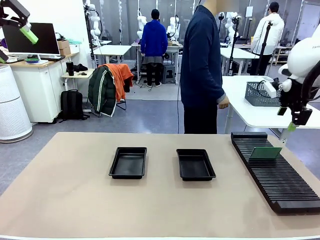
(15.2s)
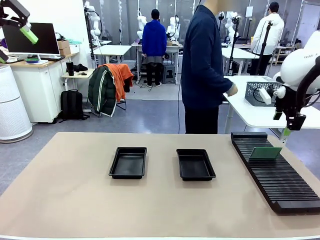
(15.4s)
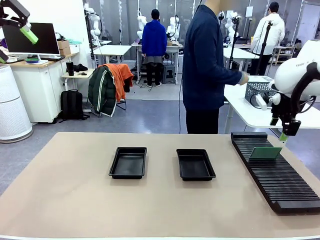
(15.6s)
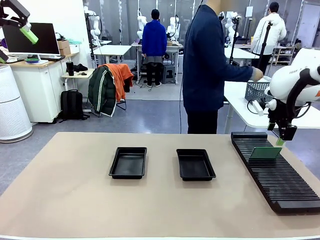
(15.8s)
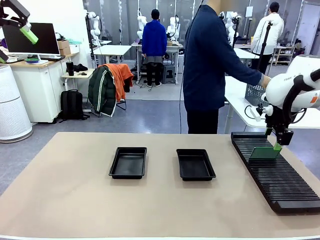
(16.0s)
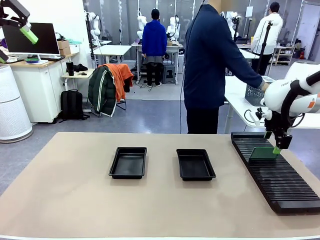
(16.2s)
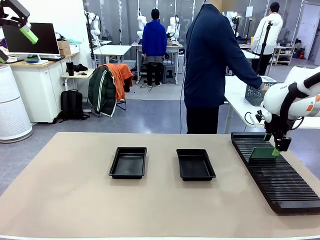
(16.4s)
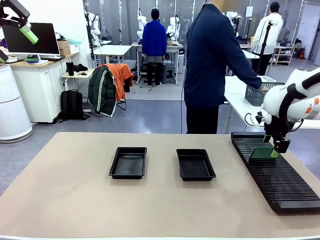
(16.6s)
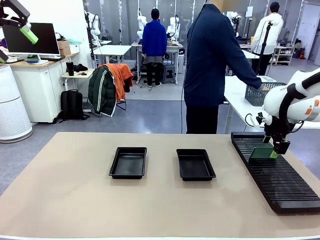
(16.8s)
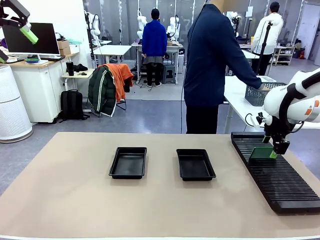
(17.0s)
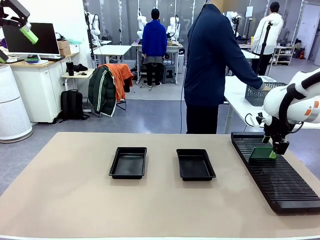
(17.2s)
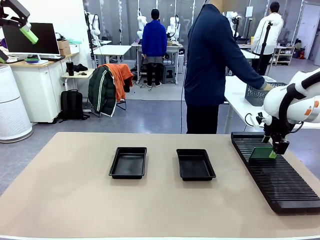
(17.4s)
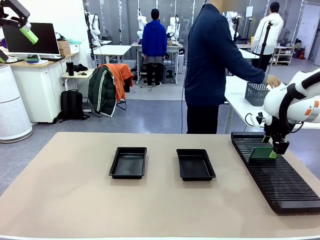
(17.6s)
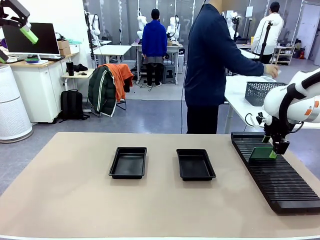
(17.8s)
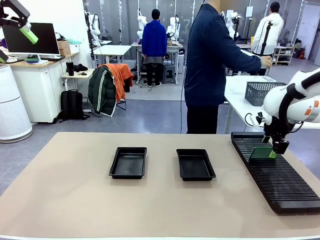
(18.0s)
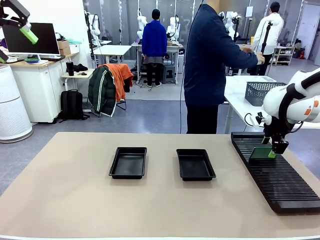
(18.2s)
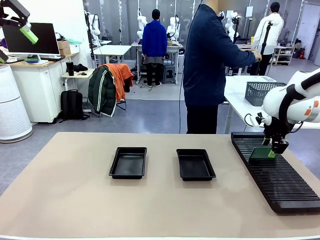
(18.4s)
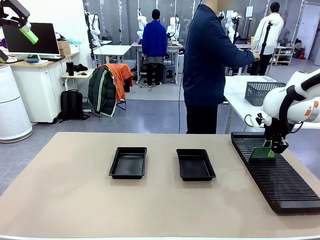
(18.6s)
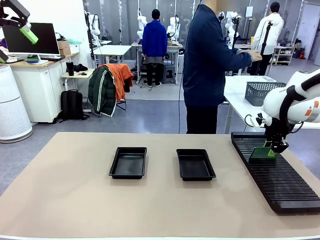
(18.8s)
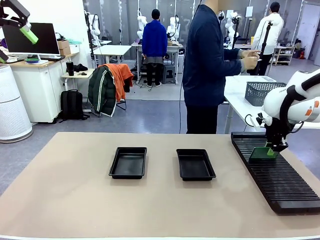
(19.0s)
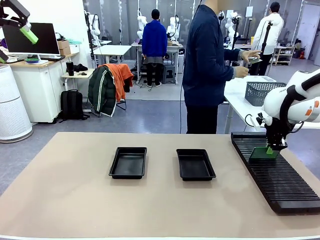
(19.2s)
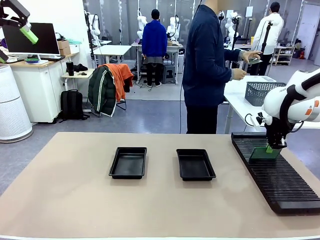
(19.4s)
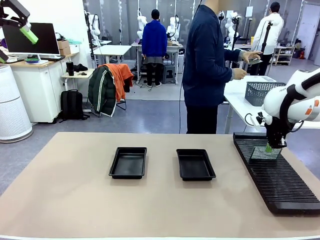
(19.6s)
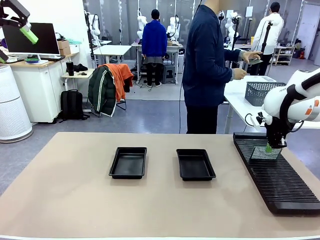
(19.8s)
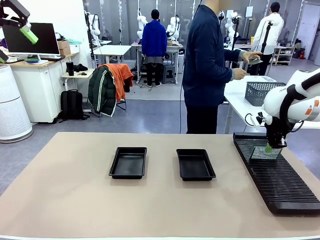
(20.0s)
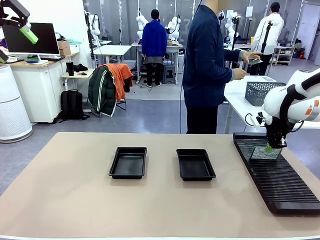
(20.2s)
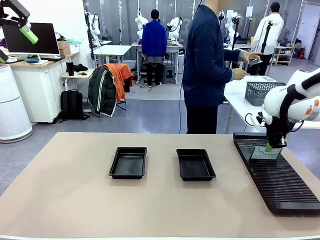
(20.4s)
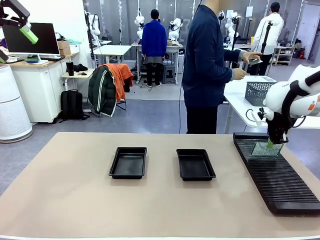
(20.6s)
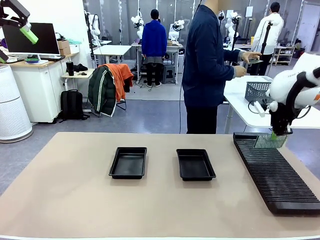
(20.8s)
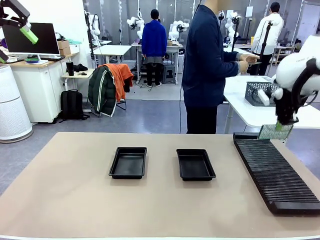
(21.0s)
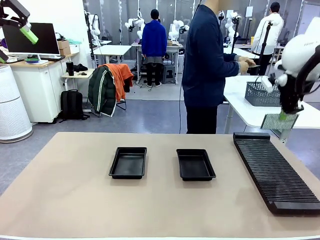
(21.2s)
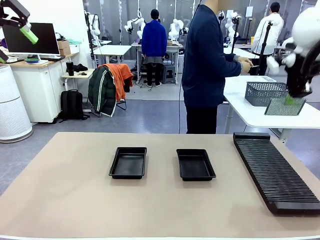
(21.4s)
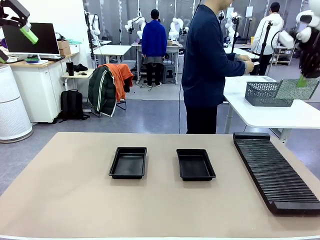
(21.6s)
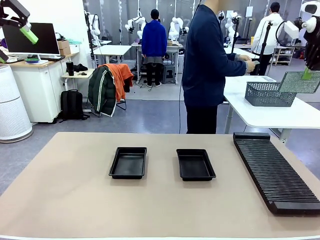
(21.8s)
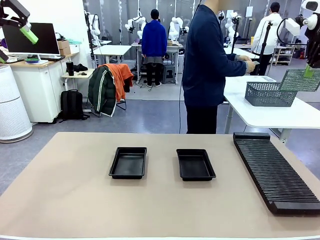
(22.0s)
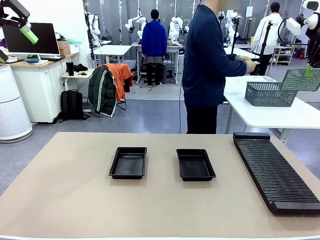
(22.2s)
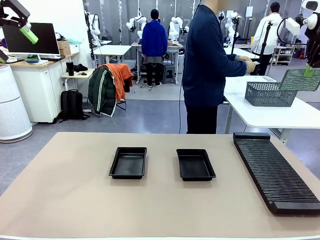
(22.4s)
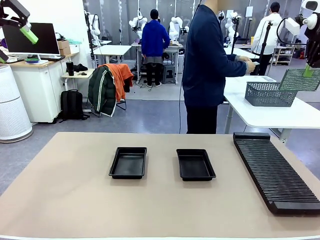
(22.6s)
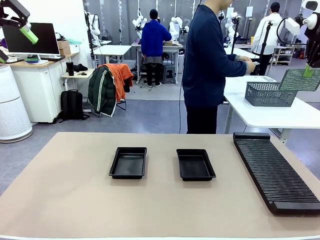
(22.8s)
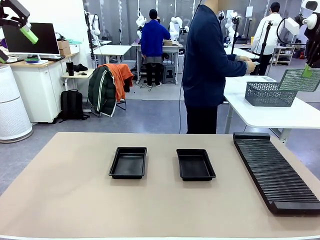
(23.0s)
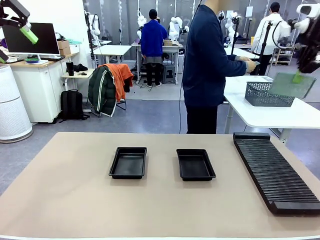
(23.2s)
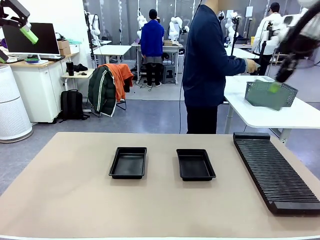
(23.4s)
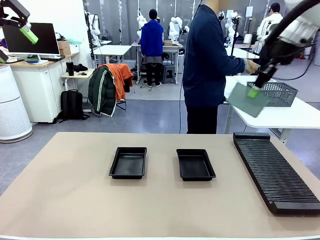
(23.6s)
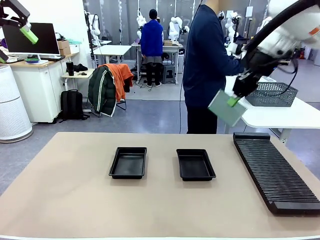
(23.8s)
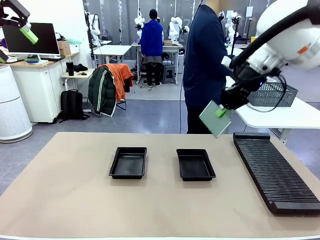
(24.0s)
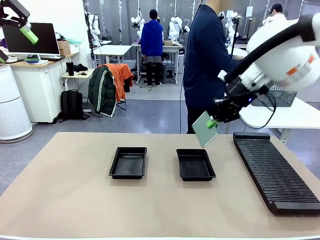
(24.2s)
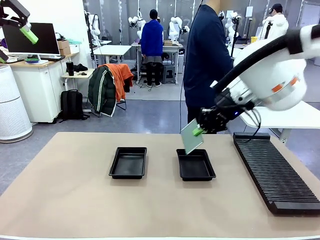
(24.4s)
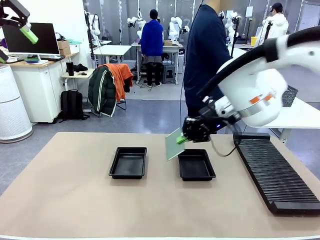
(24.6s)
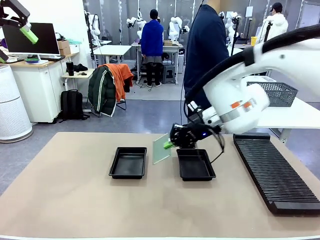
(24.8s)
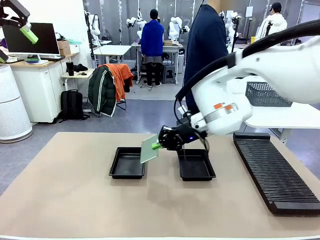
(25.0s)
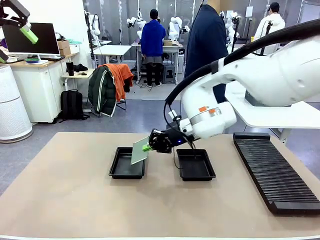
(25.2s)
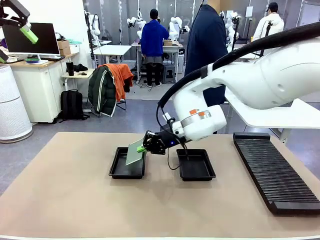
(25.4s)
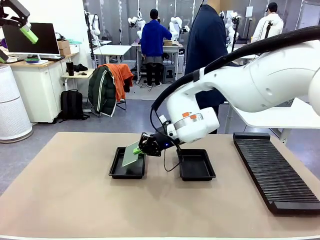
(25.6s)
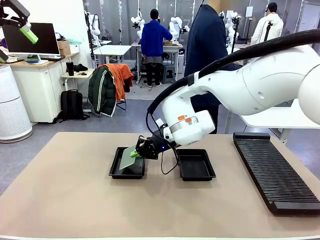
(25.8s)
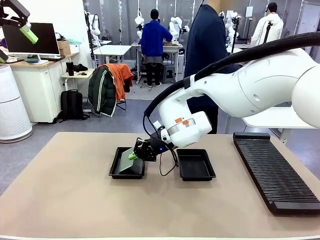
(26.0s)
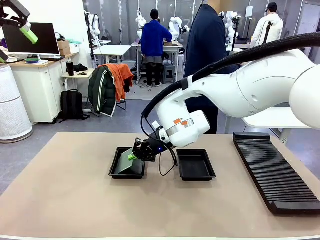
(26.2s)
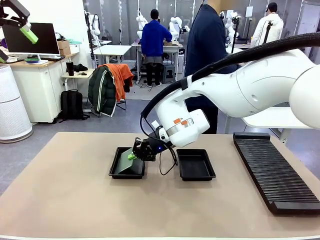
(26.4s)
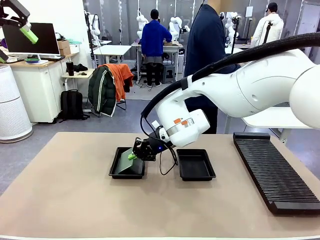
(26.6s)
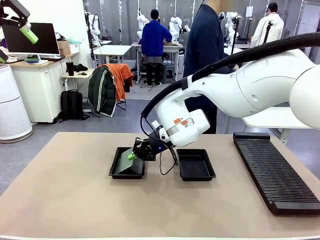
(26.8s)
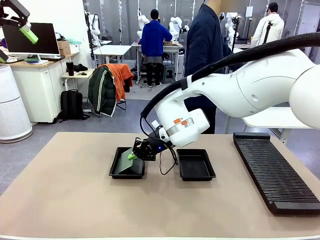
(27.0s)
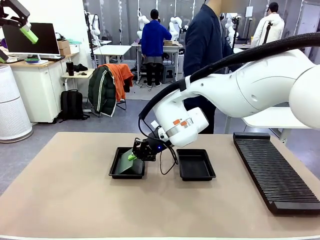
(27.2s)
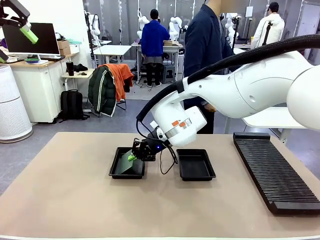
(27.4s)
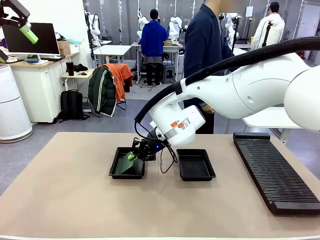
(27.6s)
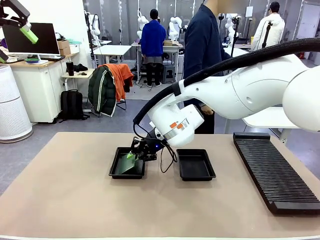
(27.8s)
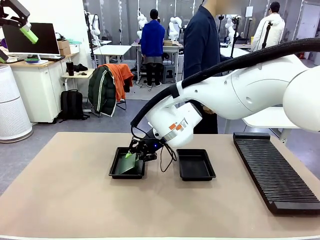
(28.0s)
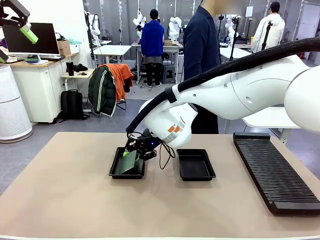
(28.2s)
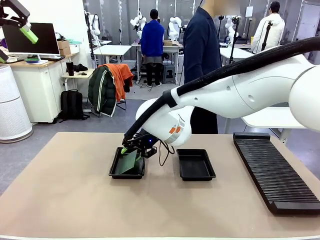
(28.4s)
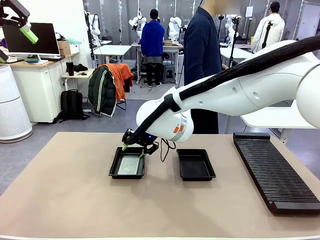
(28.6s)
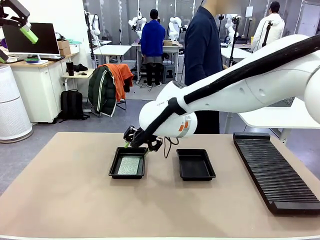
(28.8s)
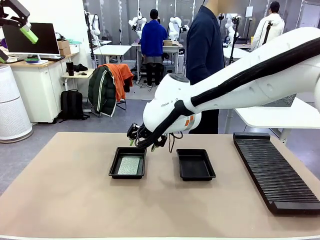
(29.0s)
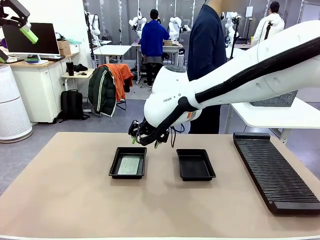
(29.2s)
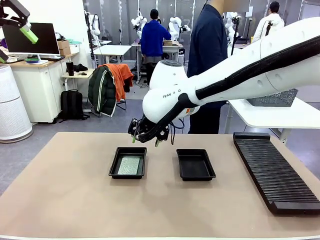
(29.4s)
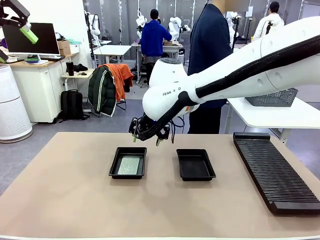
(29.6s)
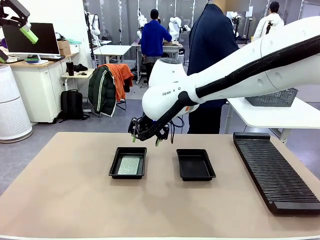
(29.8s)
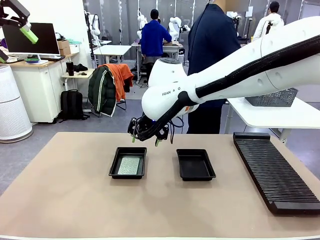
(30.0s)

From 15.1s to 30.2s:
Task: Inspect and transfer BCBs to ESD trays.
Robot: Pick up the Blank PCB from the PCB Rack and place it in the left ESD tray.

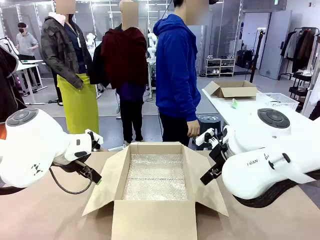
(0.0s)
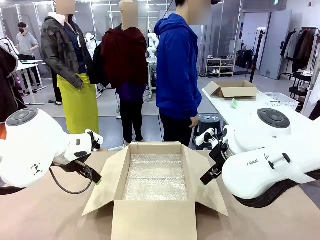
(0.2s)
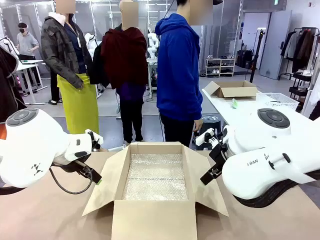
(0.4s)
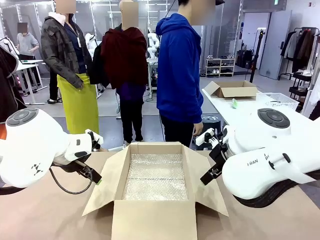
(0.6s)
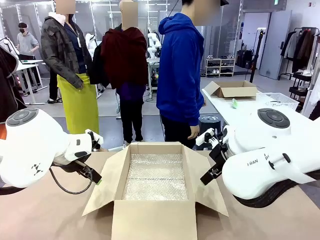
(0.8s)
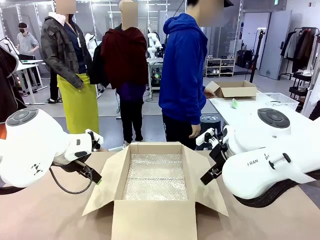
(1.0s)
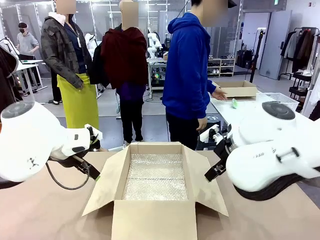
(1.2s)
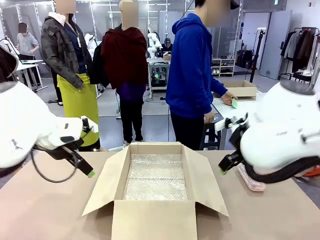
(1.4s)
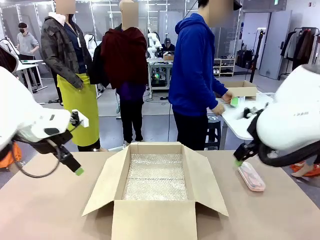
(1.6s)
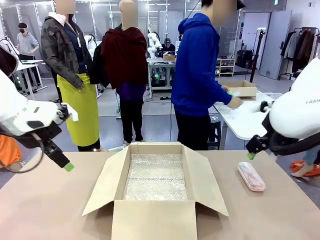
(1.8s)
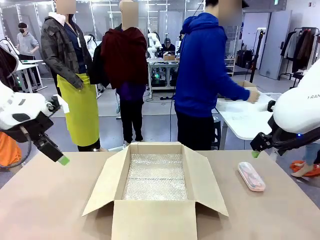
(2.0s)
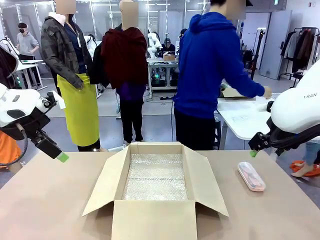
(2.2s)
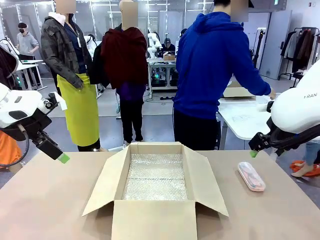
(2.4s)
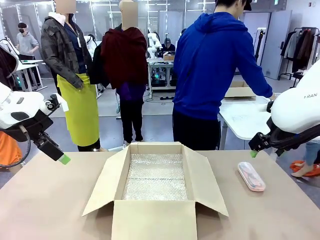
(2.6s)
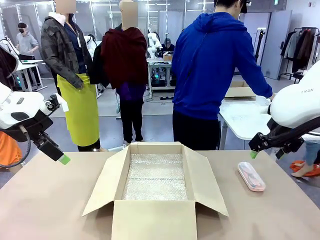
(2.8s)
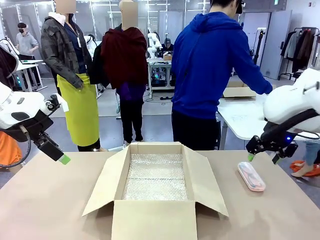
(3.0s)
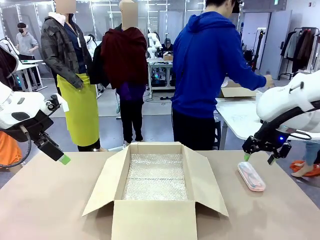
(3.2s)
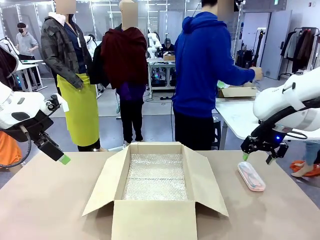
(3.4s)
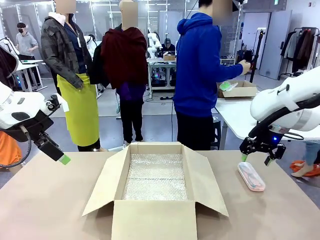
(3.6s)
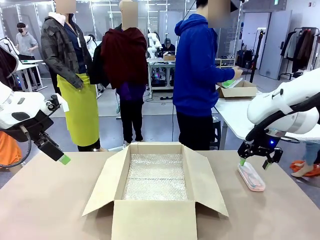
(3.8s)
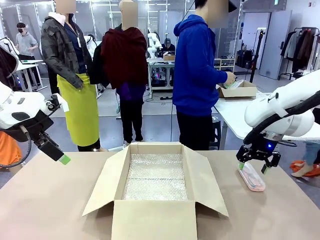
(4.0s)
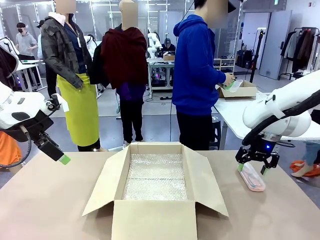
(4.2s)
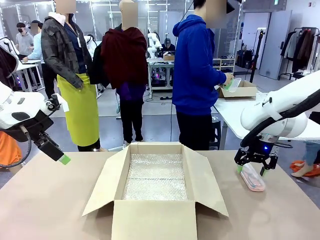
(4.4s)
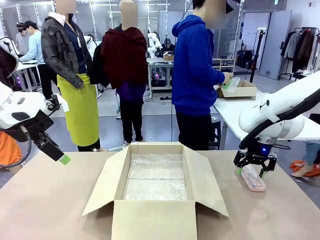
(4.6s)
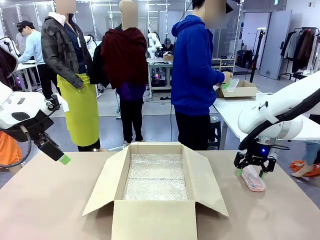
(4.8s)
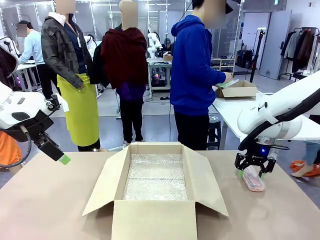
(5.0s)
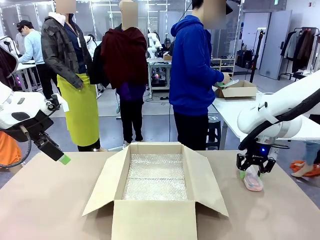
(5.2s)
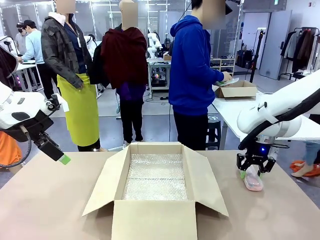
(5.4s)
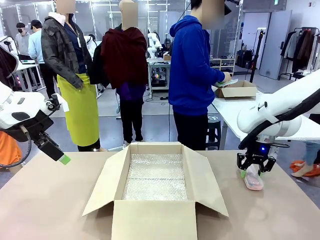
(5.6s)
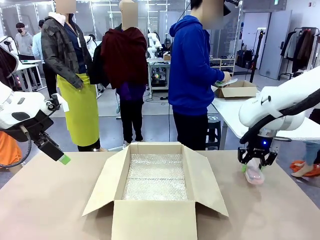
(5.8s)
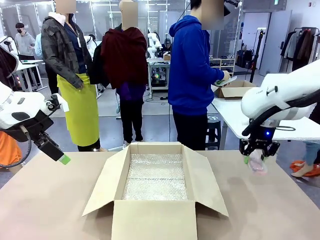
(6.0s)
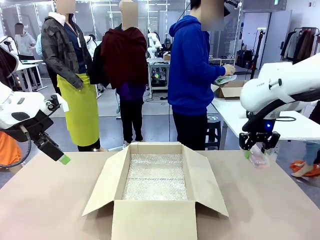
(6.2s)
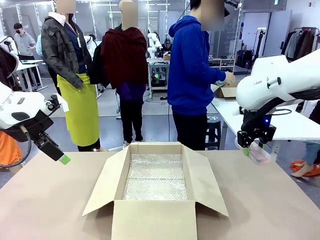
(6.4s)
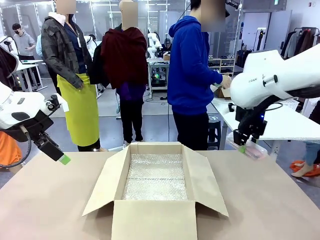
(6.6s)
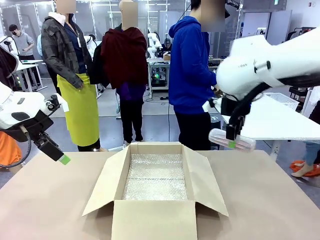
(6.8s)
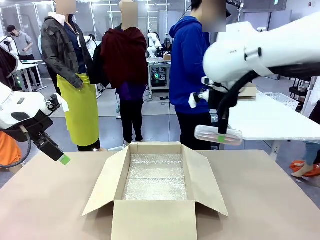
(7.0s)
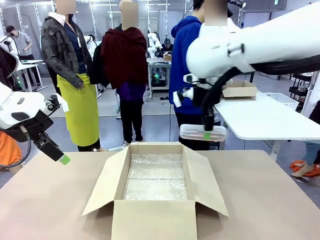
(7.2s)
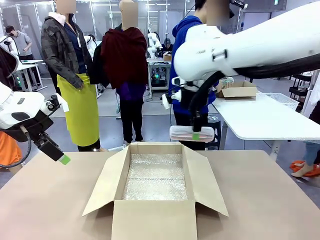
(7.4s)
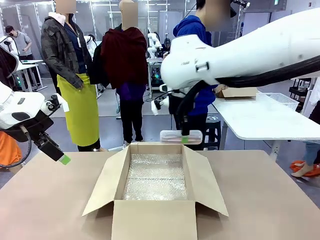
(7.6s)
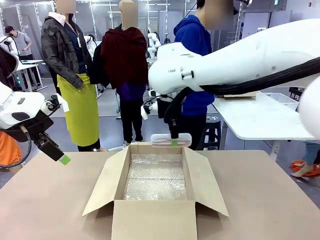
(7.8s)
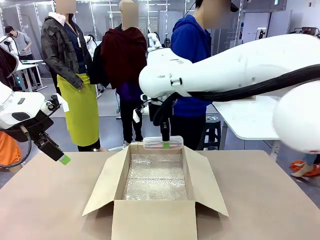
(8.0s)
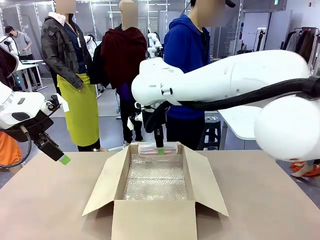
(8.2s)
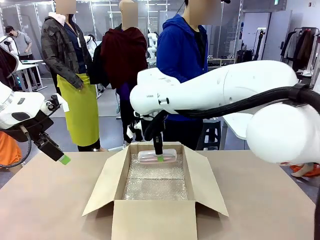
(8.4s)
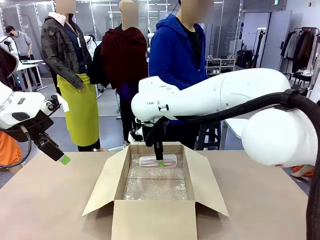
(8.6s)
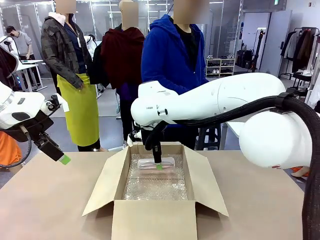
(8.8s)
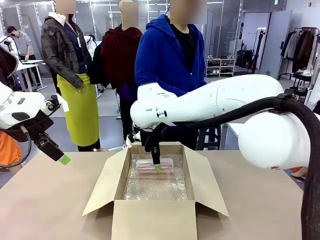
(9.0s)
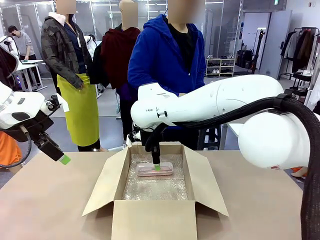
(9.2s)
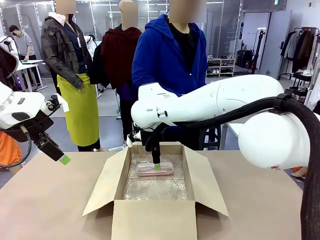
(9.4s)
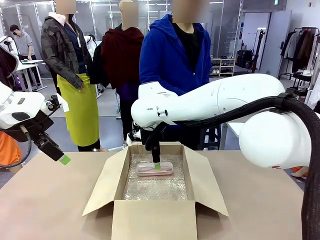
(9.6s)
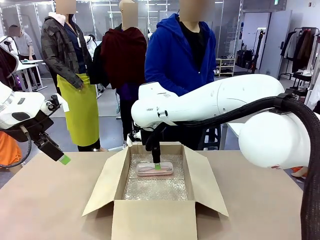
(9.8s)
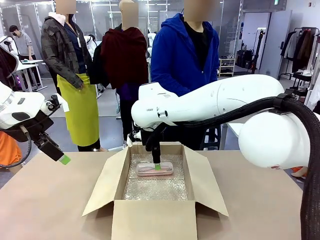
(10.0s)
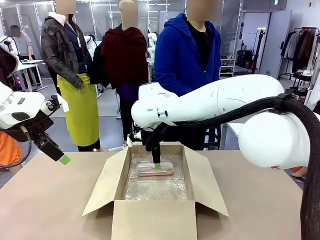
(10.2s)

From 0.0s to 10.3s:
Task: Pack the glasses set securely to prepare it for shipping.
Robot: Place the Glasses case inside the Package Box.
Person: Place the Glasses inside the Glasses case.
